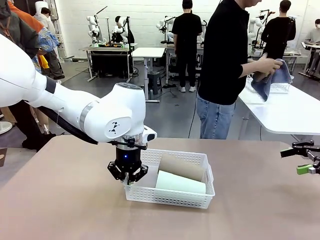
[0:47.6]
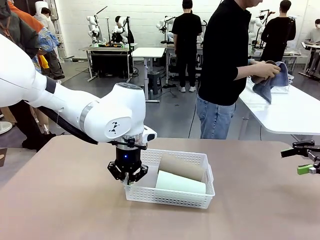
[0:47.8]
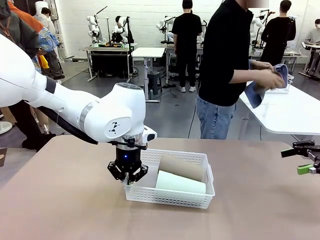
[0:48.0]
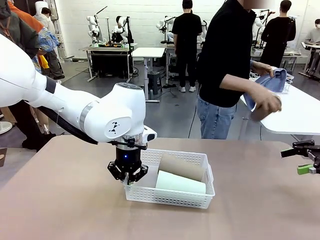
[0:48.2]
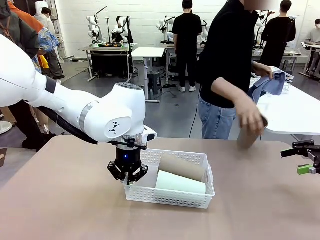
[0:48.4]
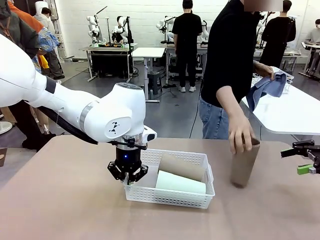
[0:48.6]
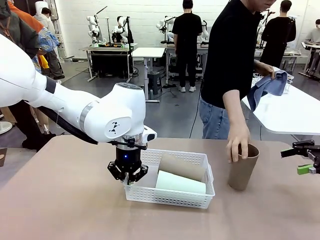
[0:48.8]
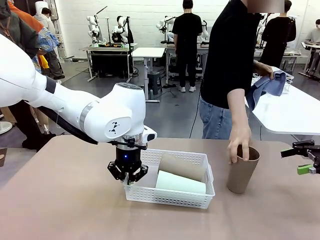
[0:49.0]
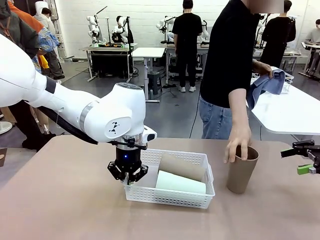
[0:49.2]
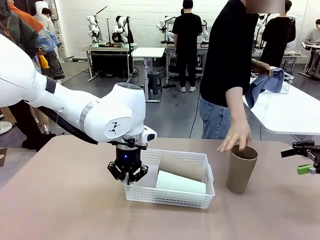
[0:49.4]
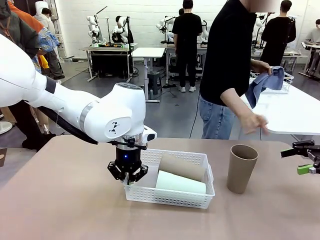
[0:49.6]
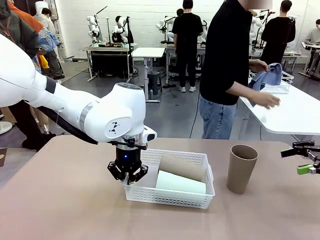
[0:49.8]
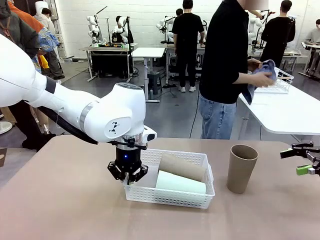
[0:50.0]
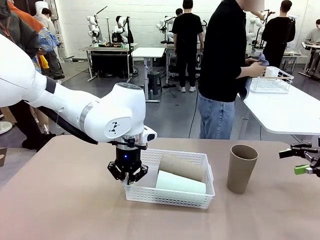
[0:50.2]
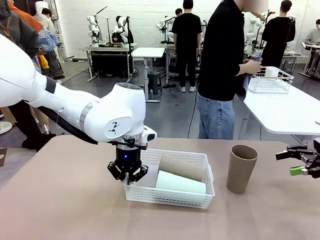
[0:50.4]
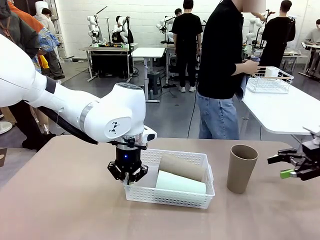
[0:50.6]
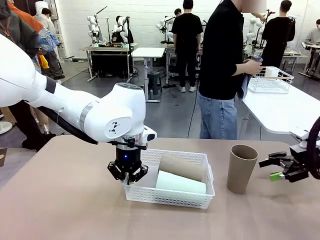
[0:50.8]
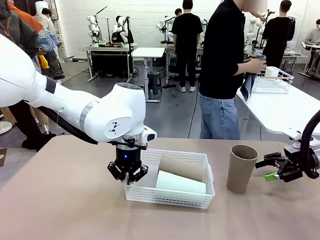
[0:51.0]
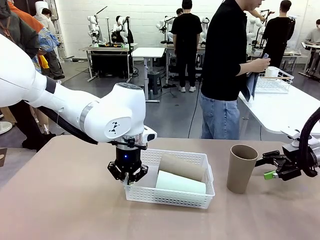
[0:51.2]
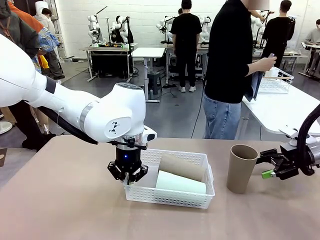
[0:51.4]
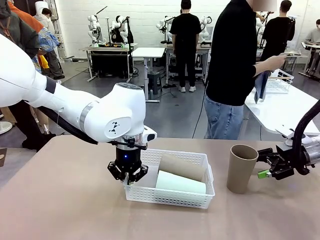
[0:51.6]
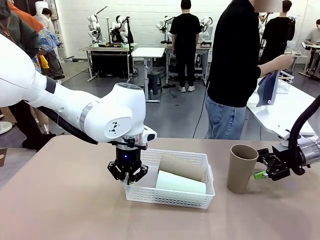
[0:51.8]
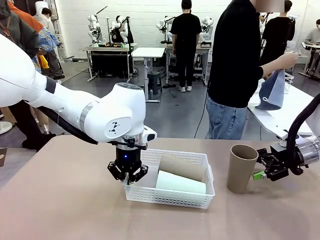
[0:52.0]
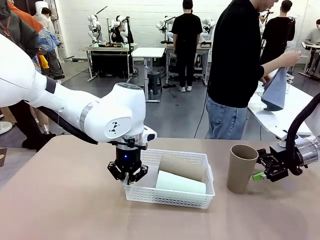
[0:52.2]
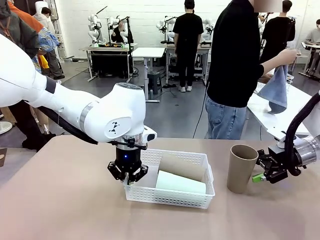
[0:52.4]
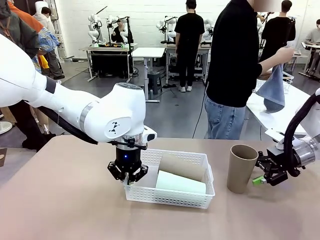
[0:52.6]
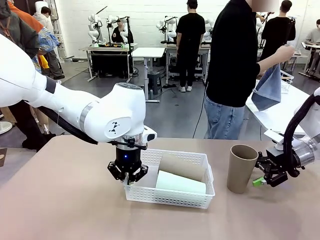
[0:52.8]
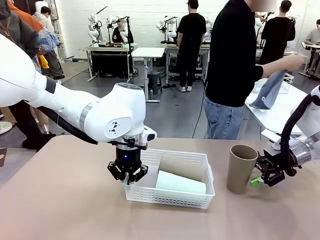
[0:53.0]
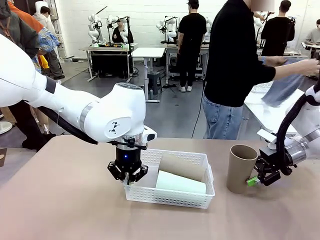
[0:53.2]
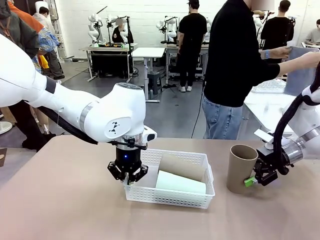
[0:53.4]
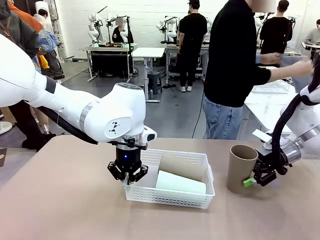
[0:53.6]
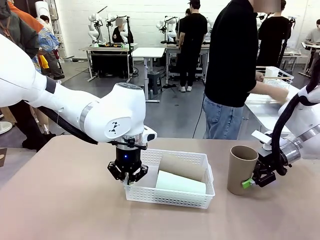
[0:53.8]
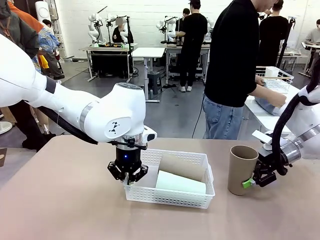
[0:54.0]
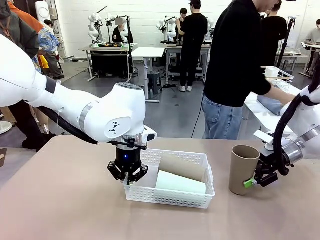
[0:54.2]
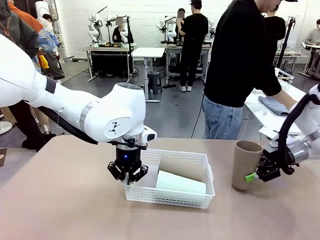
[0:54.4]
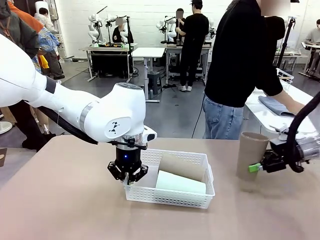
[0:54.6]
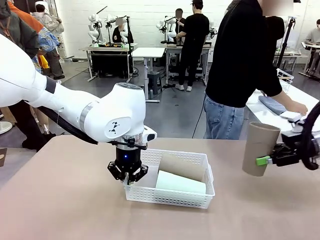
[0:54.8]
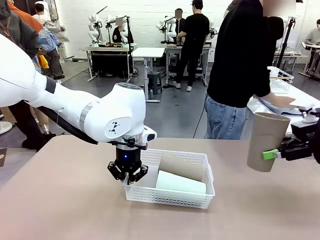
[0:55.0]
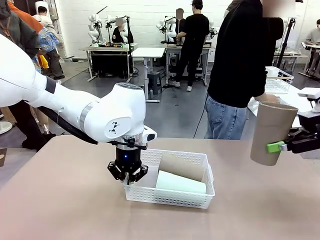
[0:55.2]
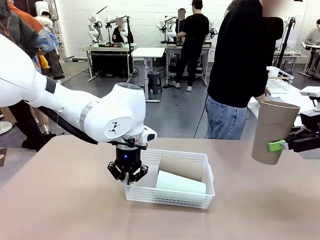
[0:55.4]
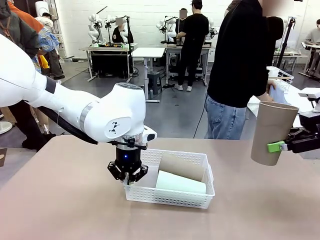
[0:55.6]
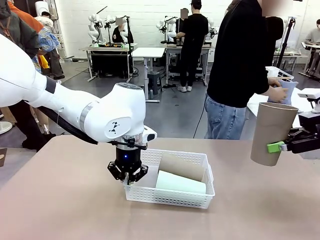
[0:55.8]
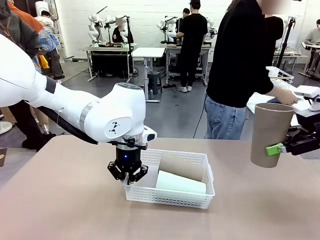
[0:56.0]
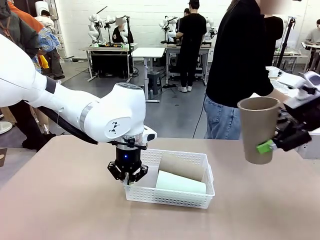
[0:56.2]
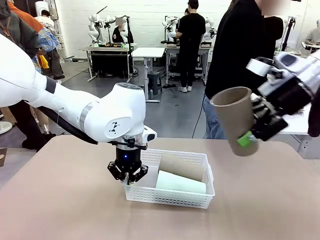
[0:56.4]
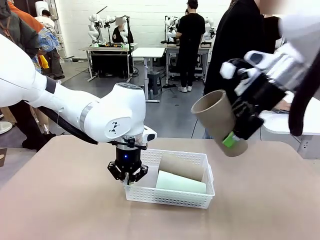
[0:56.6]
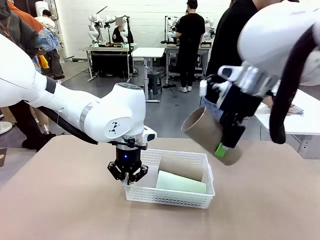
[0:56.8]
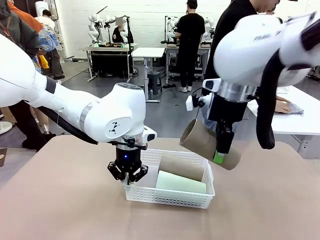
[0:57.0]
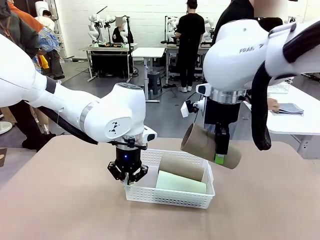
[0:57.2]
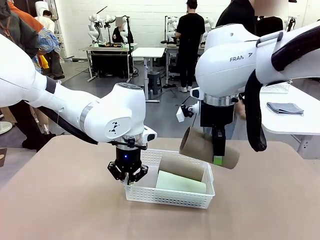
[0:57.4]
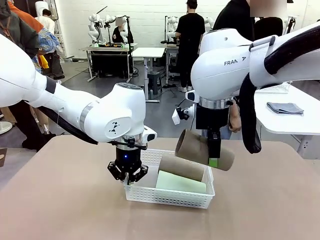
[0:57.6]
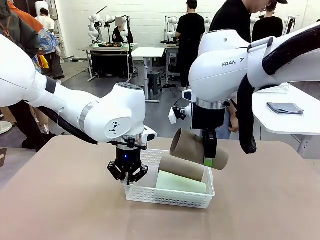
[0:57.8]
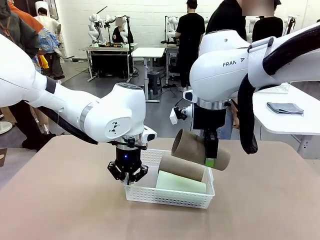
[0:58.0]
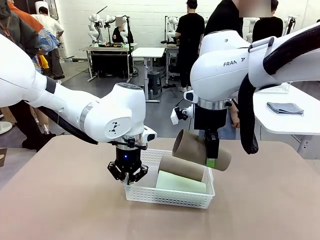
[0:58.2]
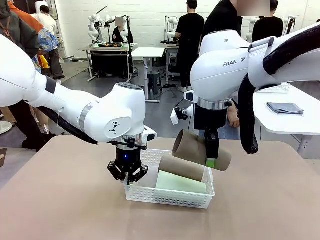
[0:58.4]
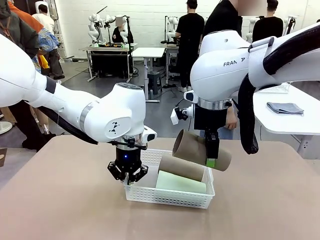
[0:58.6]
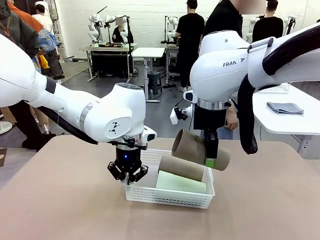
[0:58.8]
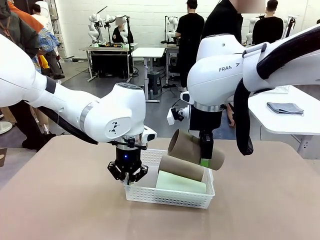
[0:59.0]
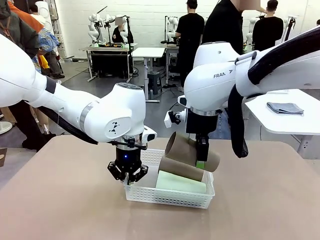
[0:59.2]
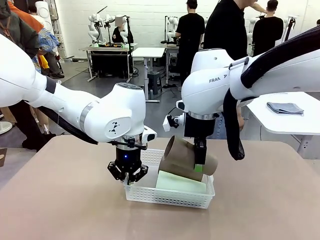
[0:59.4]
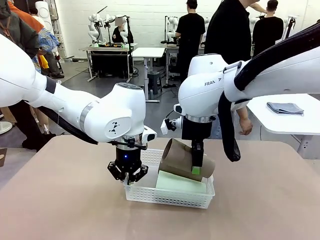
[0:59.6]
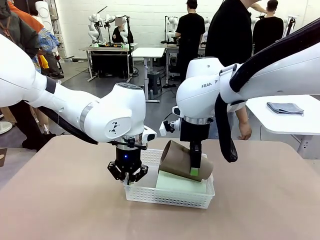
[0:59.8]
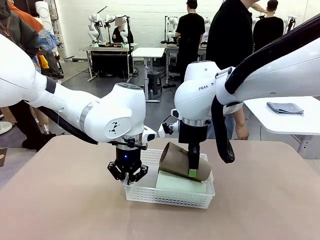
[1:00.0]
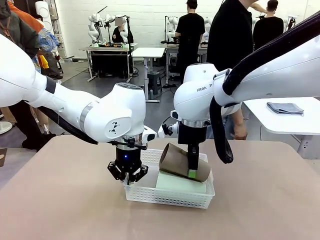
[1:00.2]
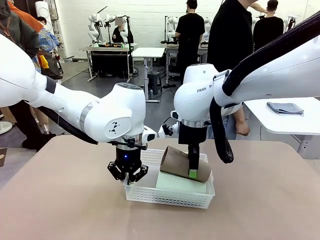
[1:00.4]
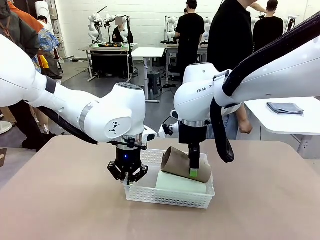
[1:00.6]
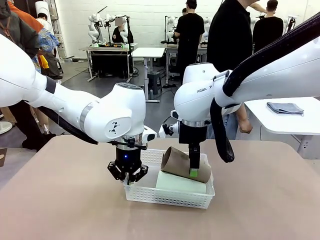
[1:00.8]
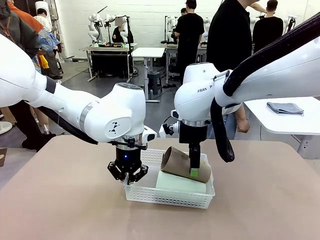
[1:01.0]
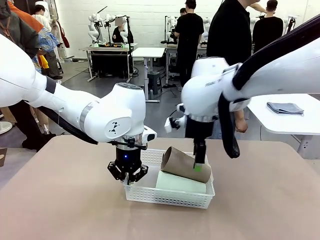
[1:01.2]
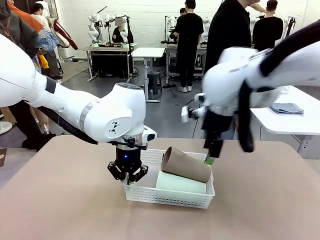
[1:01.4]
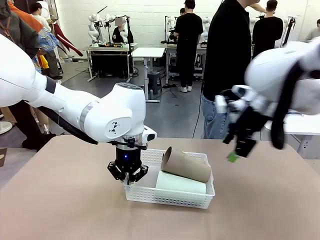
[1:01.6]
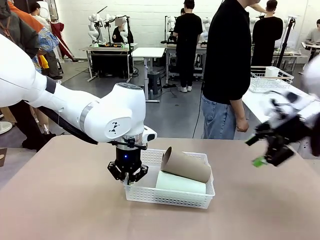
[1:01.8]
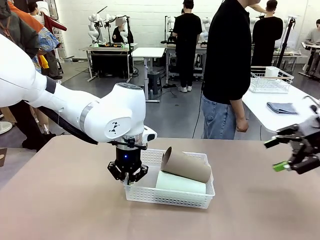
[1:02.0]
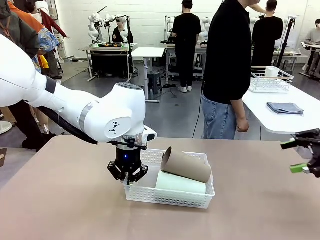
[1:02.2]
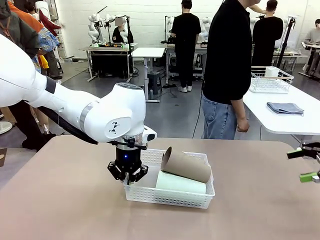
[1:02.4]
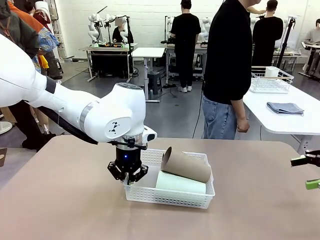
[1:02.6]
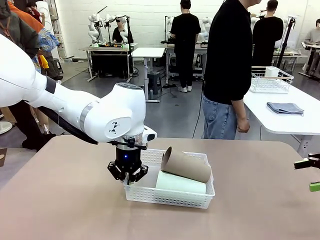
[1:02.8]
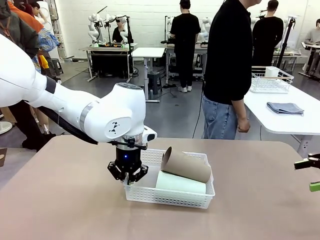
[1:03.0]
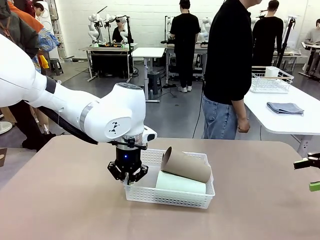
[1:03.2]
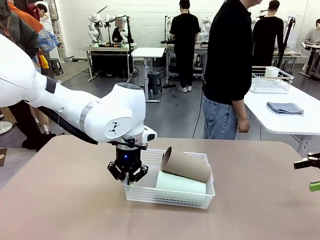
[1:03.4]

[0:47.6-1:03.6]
Task: Clean and organize the cups into the basket.
Robot: Pick up the Reusable plastic cup from the right side of the table and stack it inside the Organizing basket in the center of the table.
